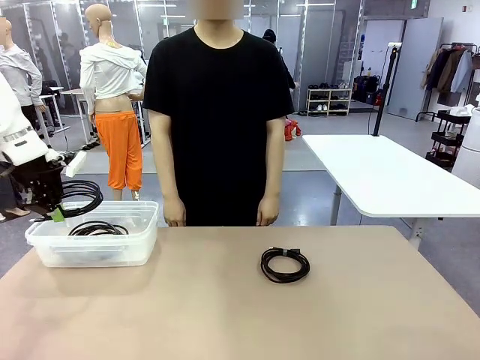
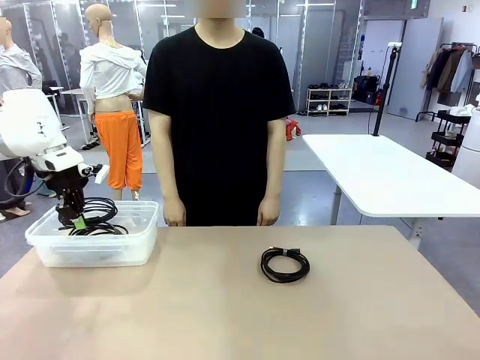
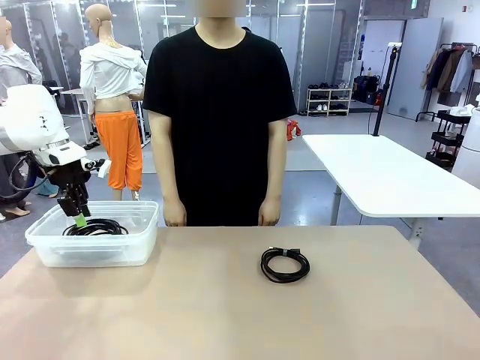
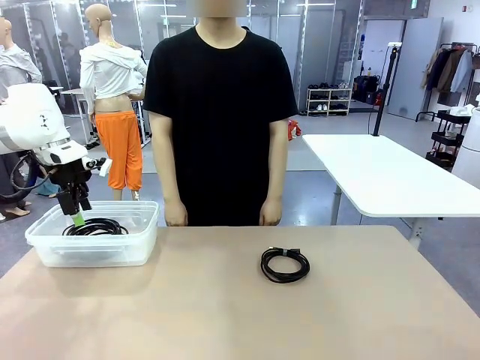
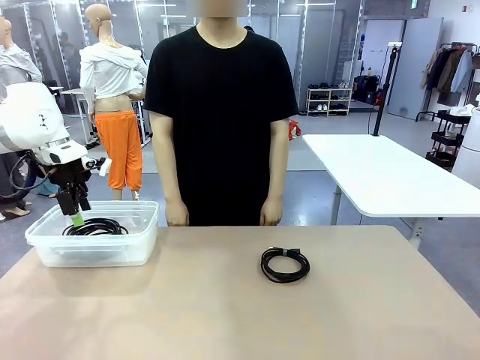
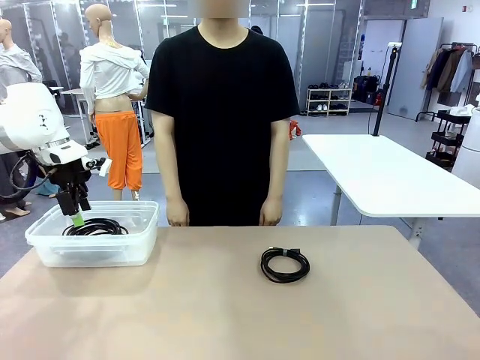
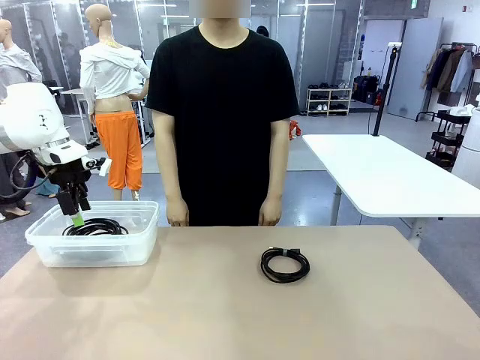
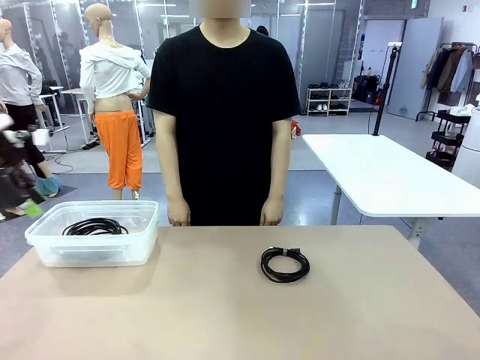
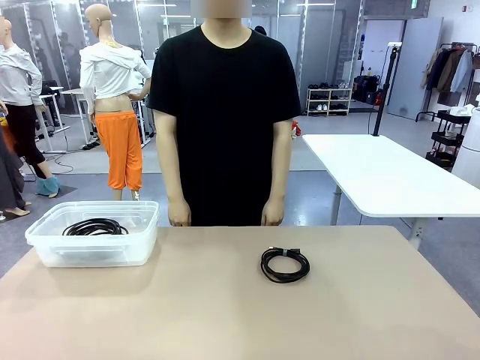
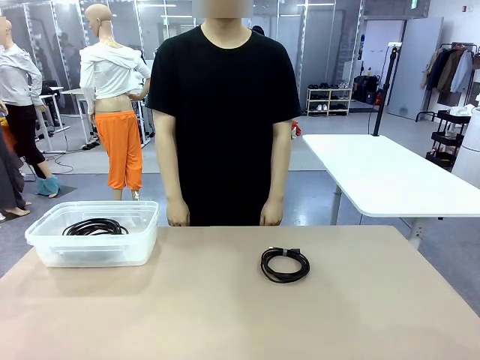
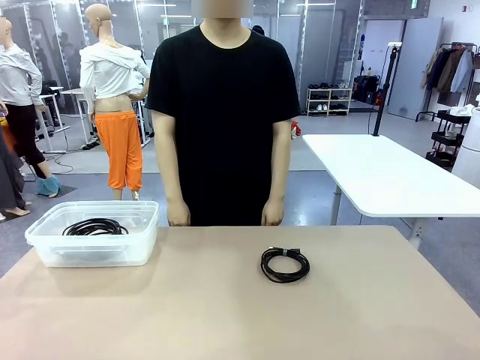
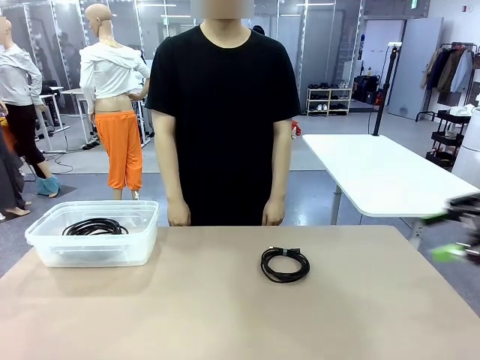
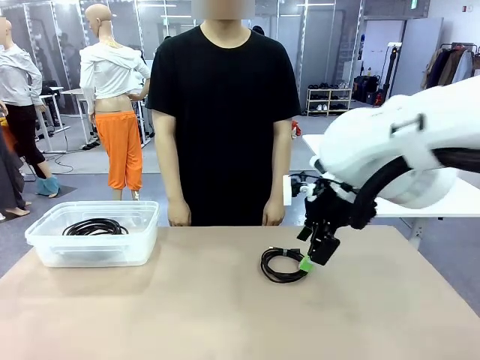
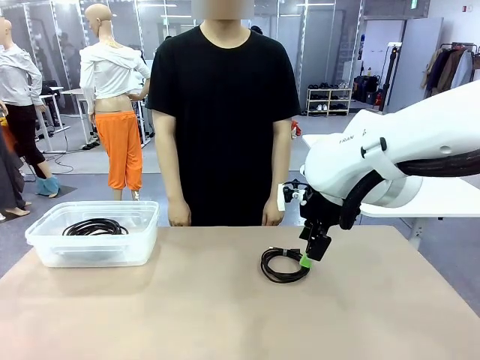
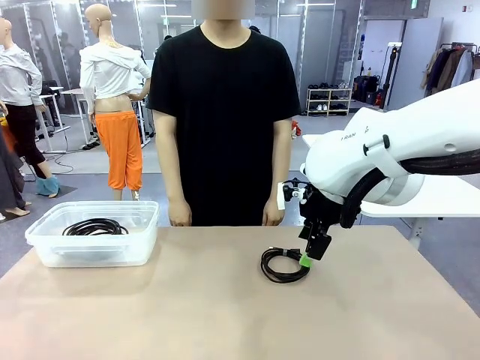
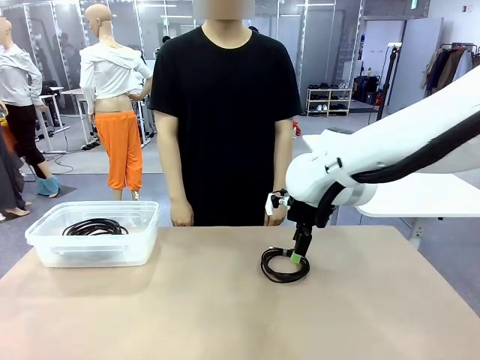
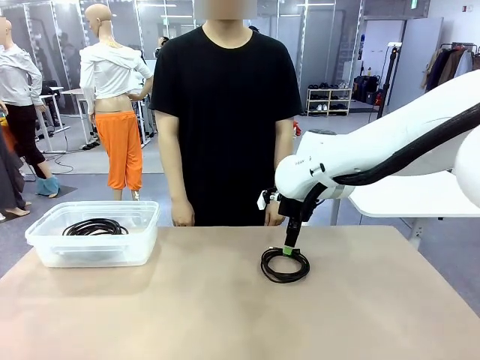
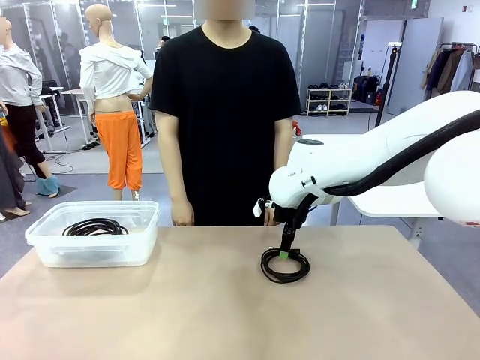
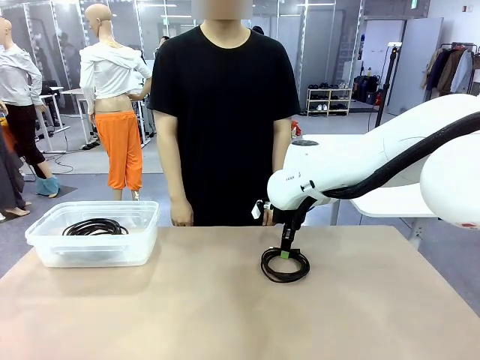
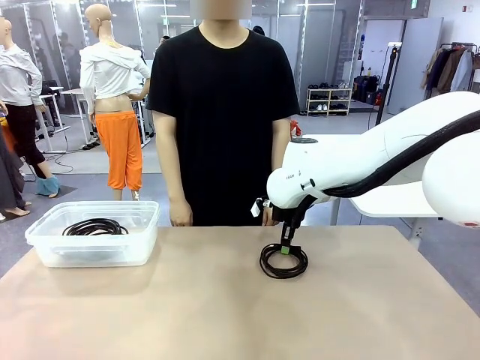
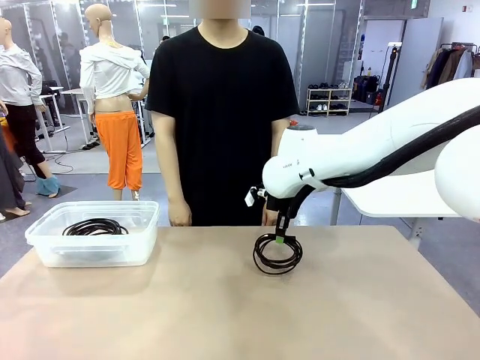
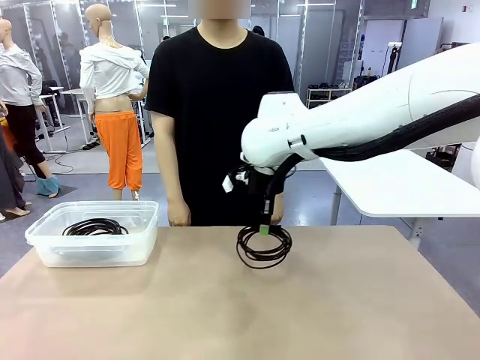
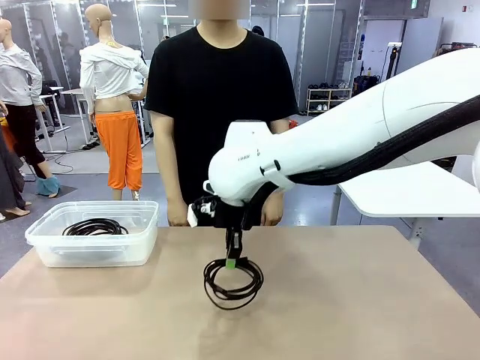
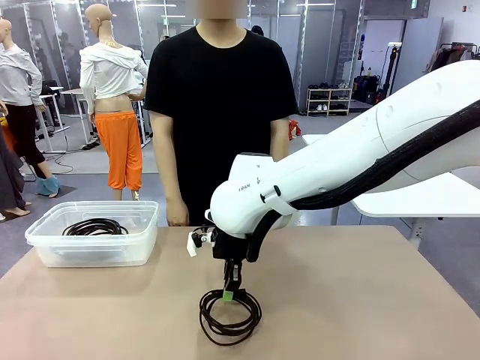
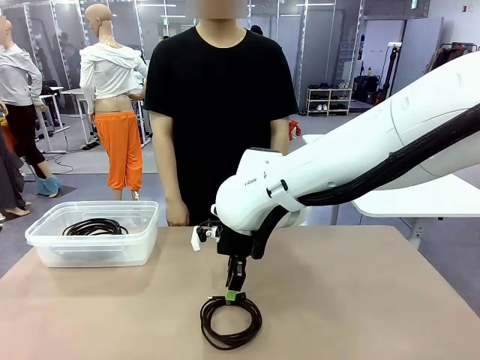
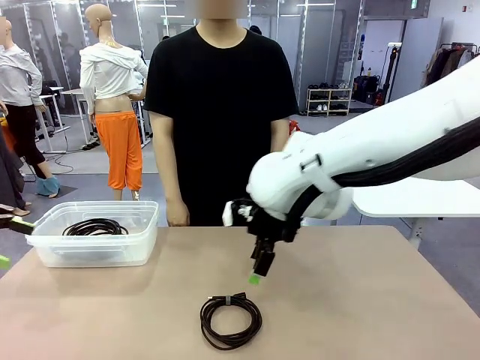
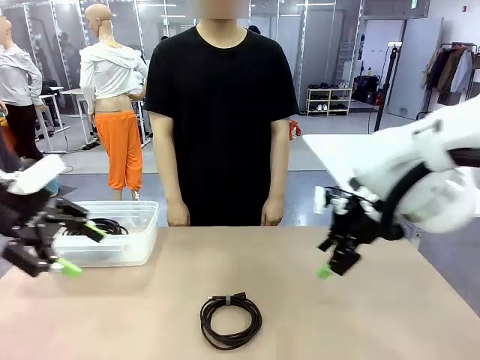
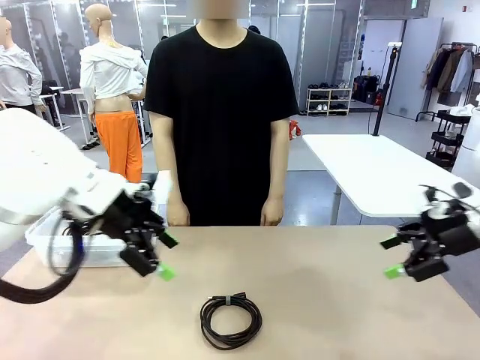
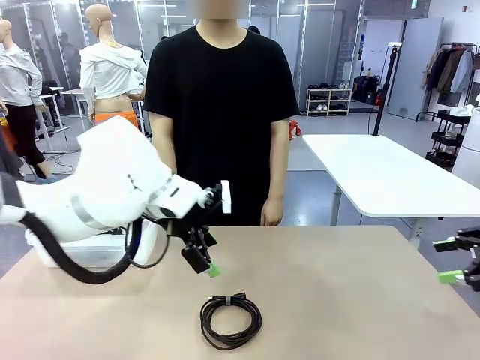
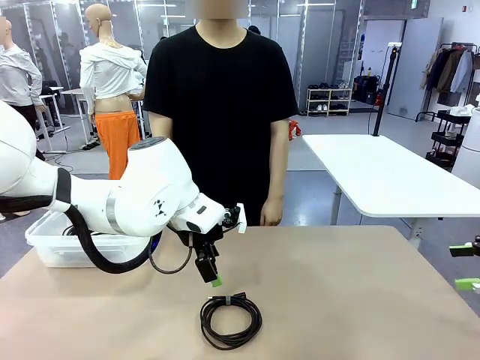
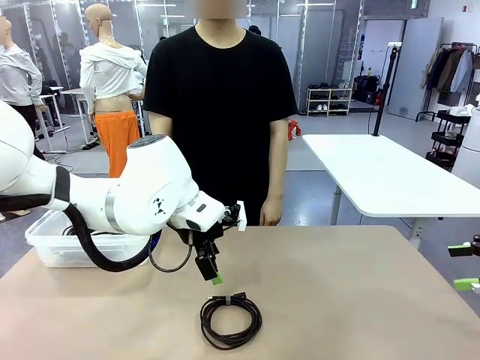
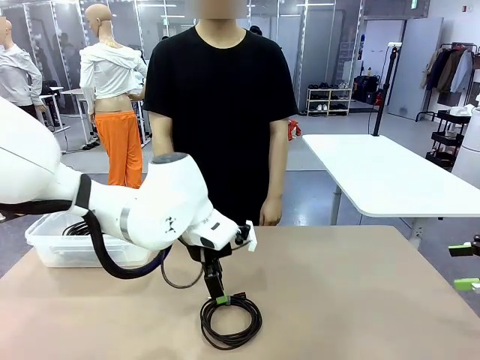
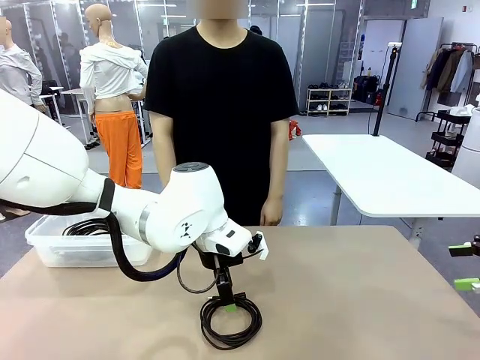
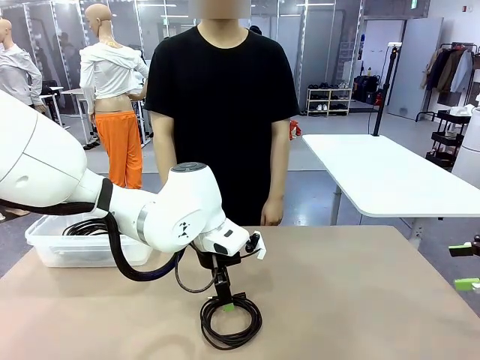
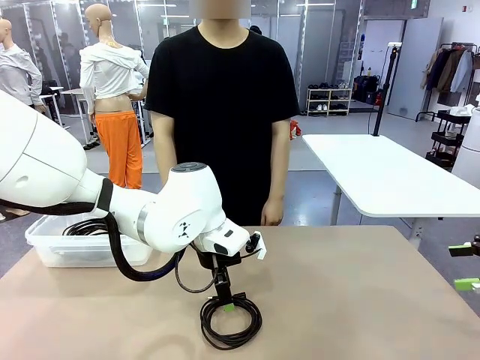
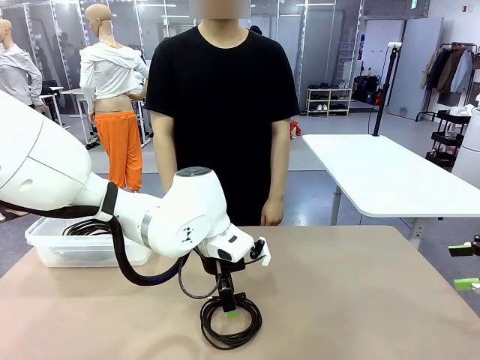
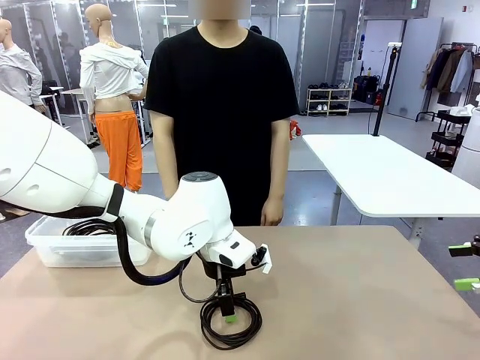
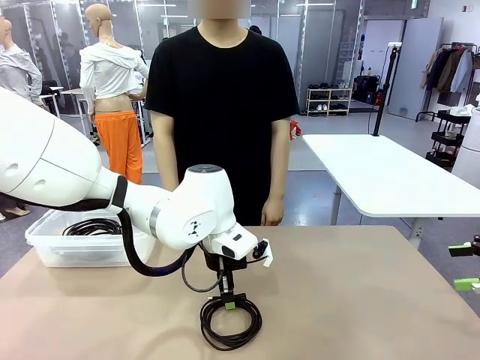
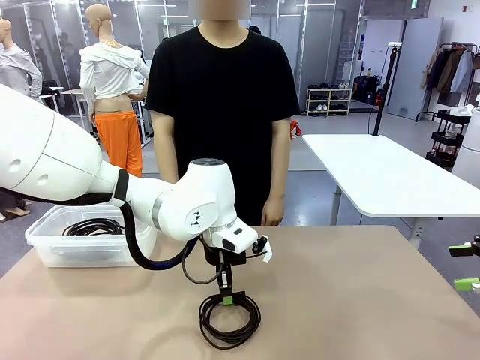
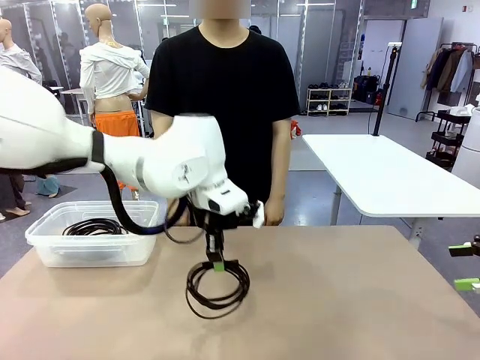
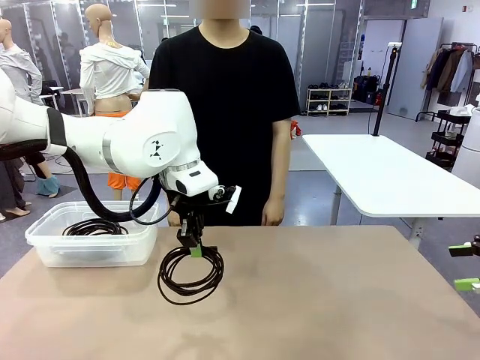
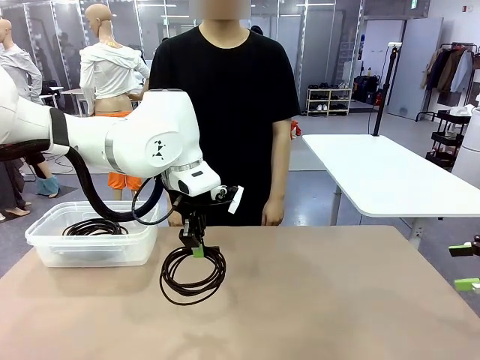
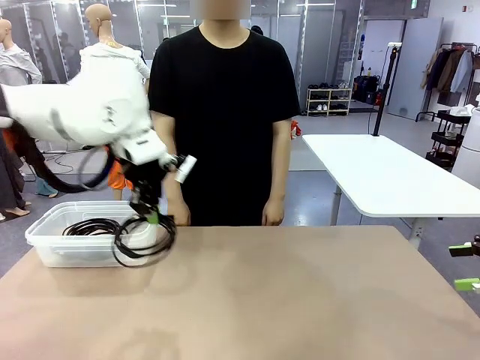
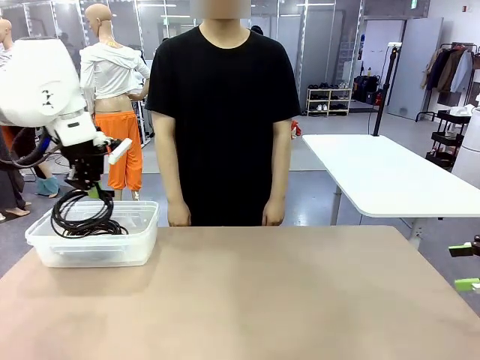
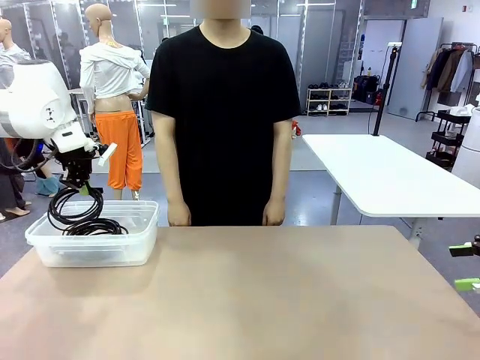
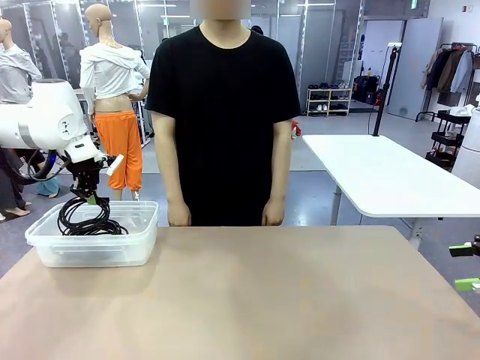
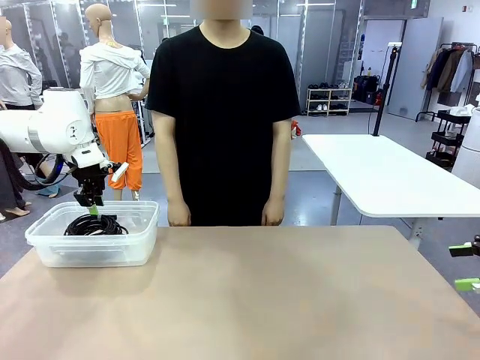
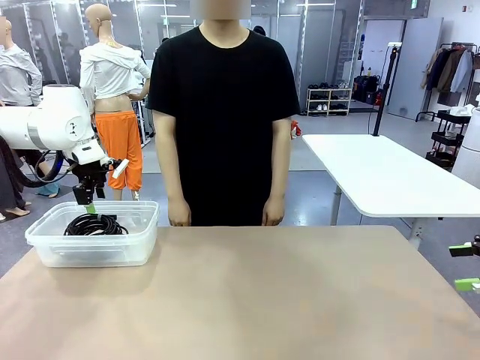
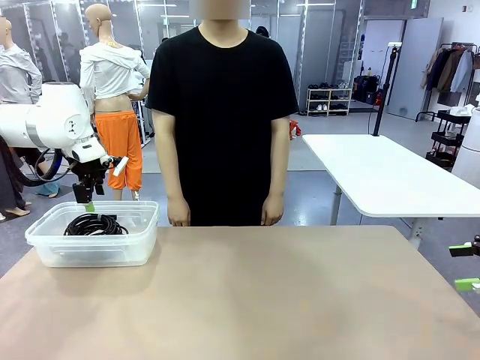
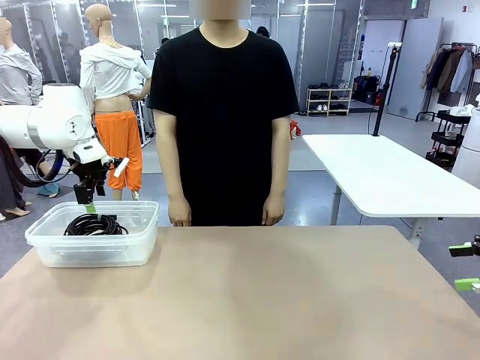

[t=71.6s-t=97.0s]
Task: Organize and store the cables.
Robot: Place the USB Extension Cable into the Organizing box.
